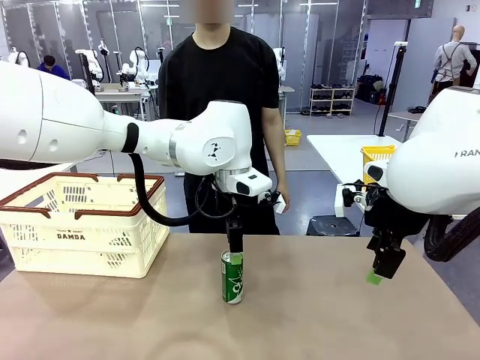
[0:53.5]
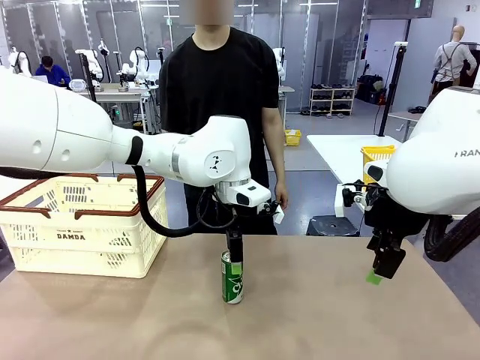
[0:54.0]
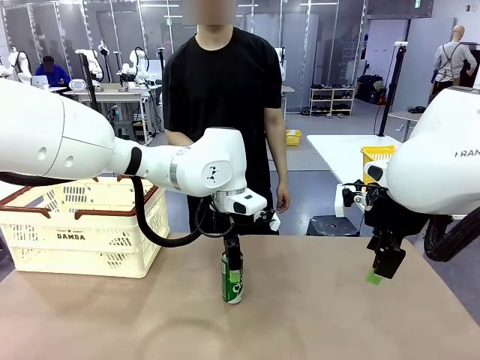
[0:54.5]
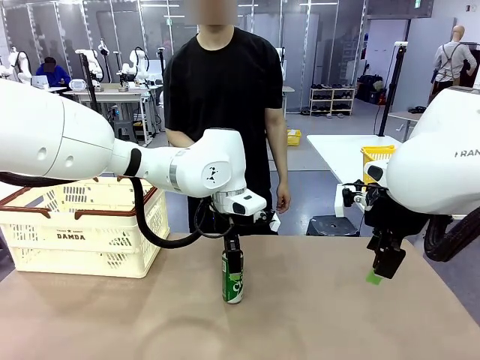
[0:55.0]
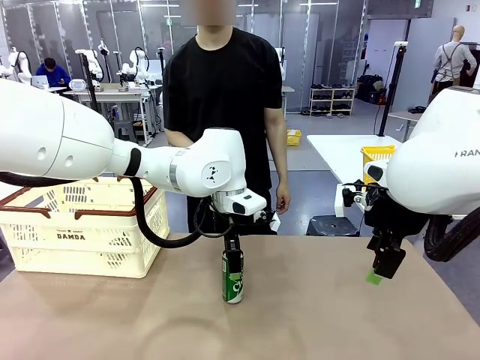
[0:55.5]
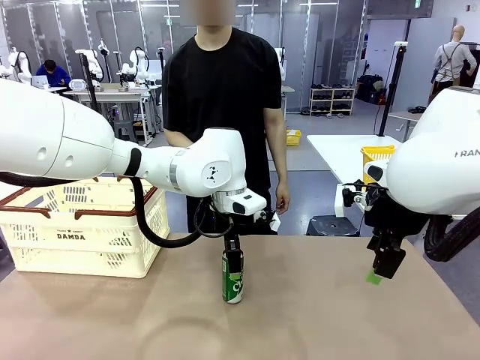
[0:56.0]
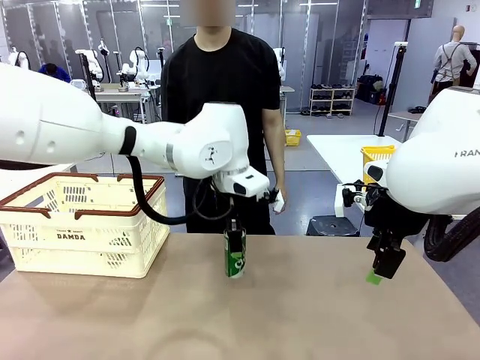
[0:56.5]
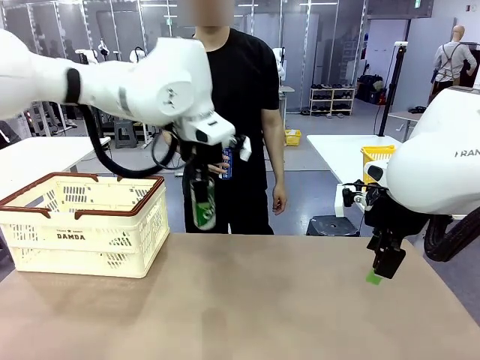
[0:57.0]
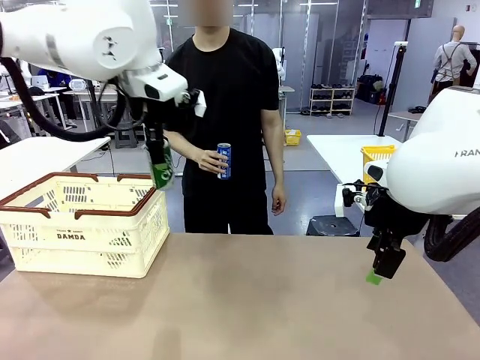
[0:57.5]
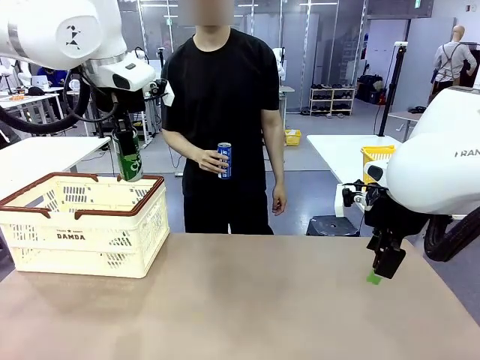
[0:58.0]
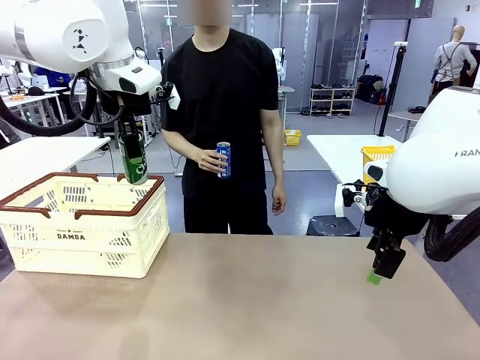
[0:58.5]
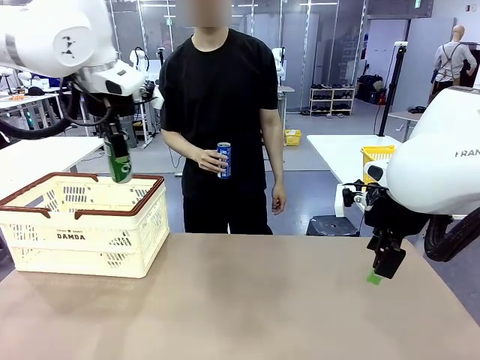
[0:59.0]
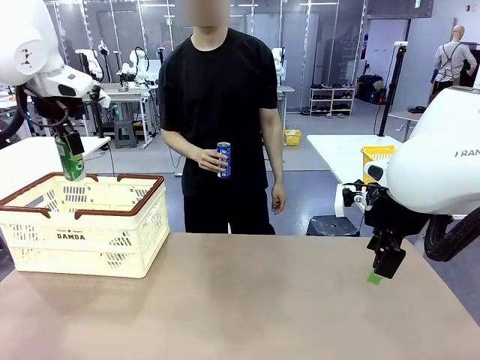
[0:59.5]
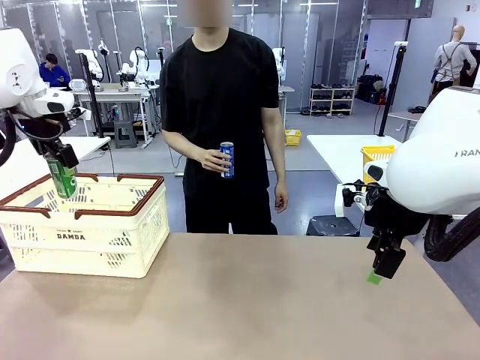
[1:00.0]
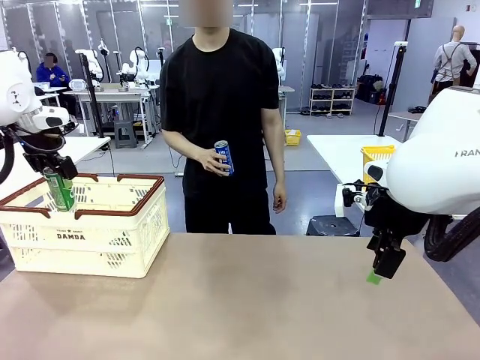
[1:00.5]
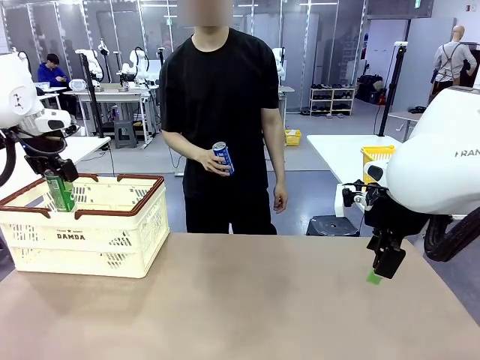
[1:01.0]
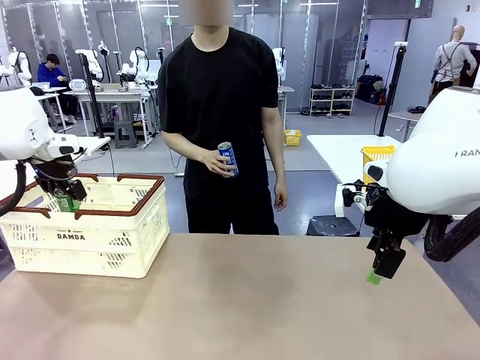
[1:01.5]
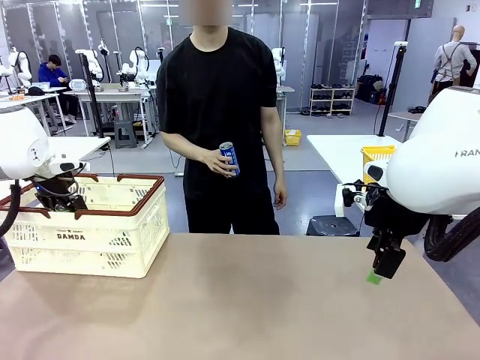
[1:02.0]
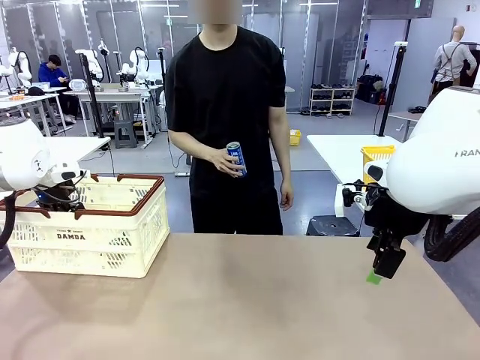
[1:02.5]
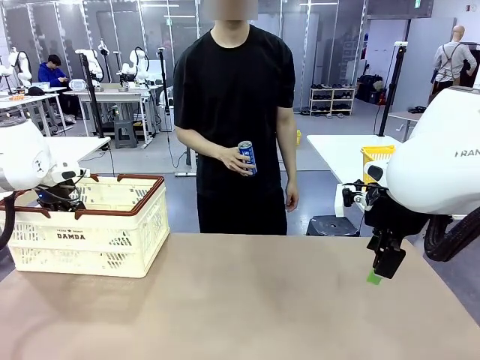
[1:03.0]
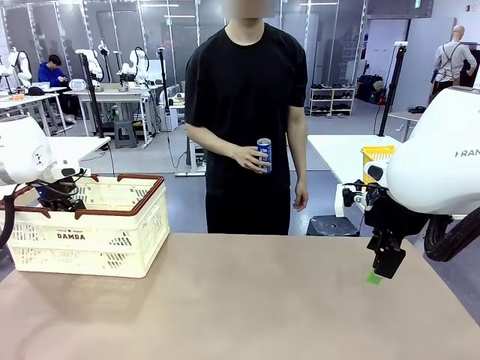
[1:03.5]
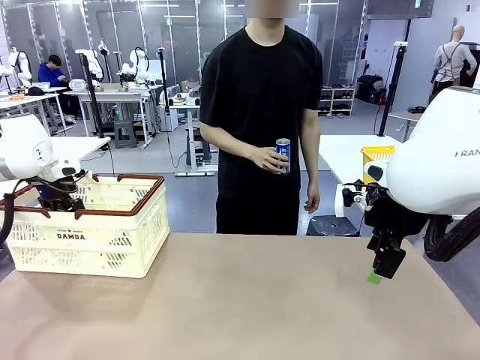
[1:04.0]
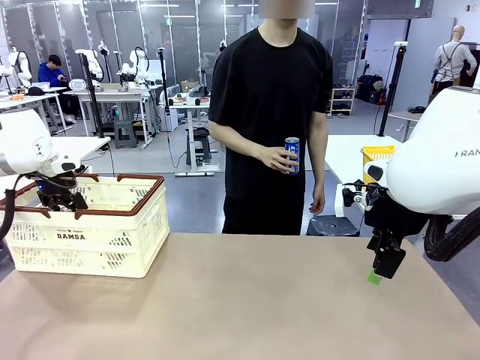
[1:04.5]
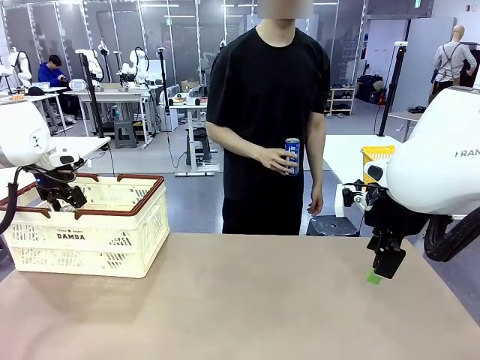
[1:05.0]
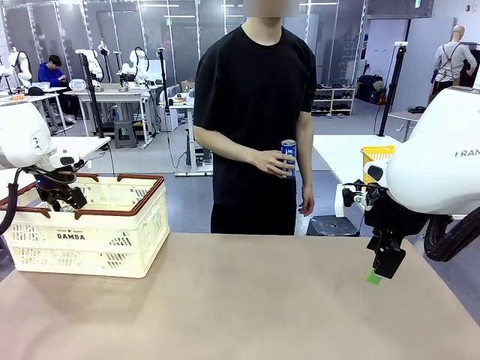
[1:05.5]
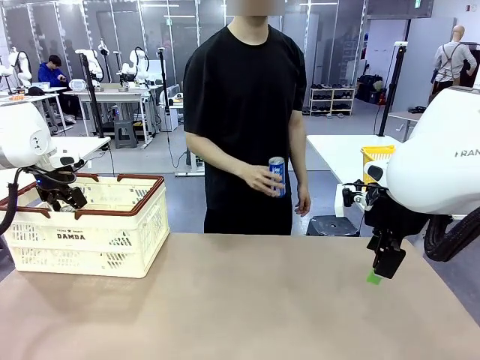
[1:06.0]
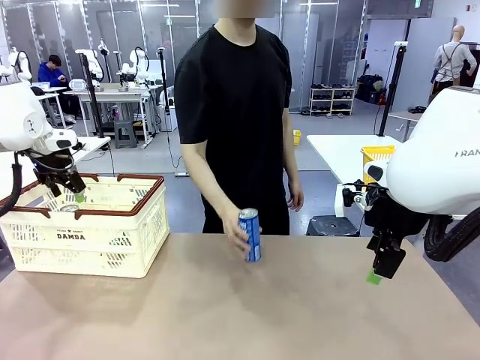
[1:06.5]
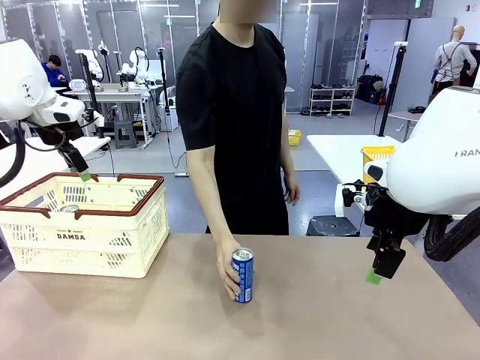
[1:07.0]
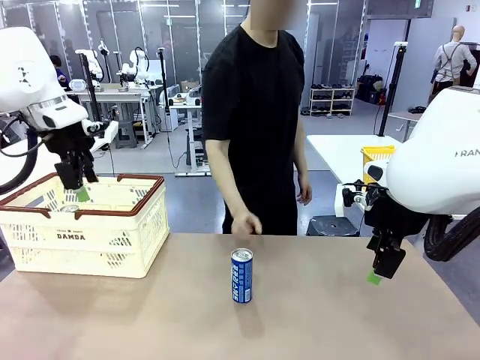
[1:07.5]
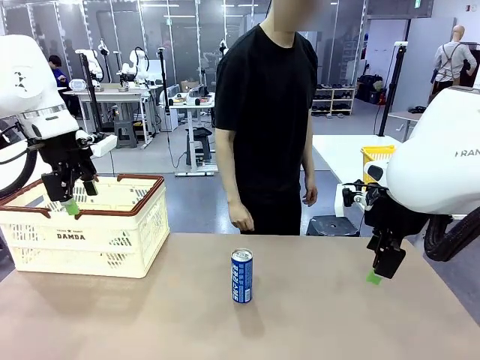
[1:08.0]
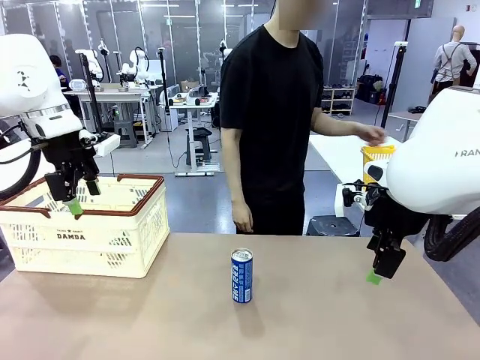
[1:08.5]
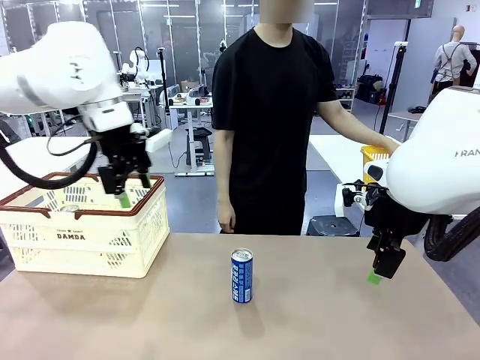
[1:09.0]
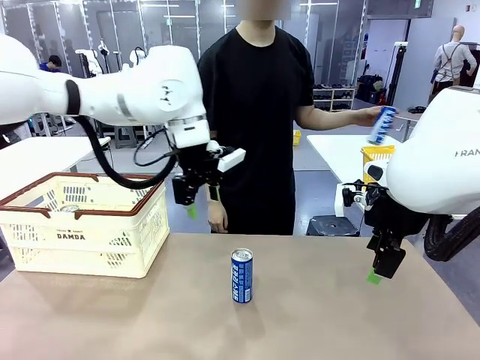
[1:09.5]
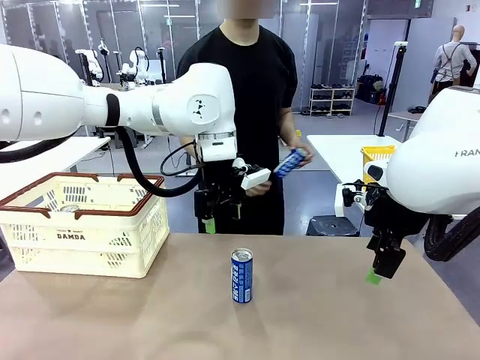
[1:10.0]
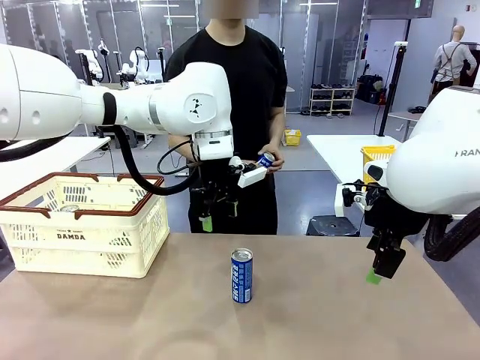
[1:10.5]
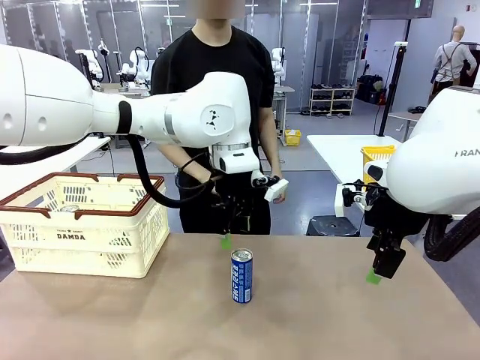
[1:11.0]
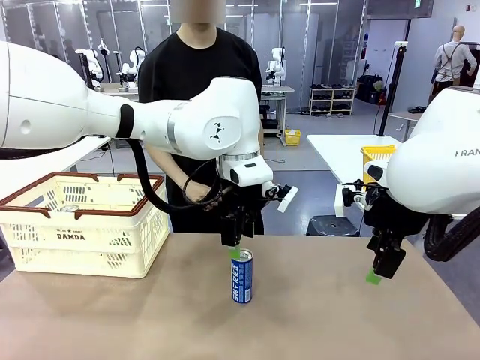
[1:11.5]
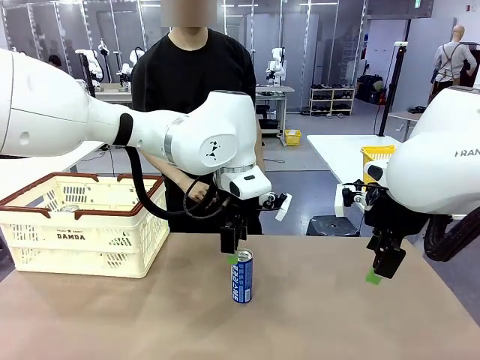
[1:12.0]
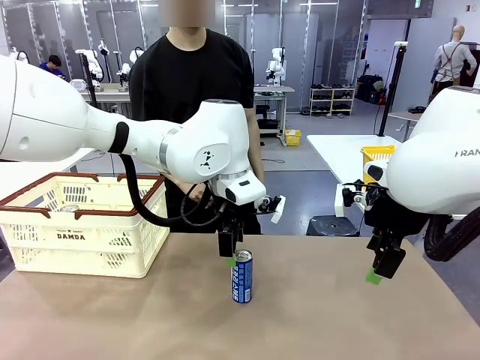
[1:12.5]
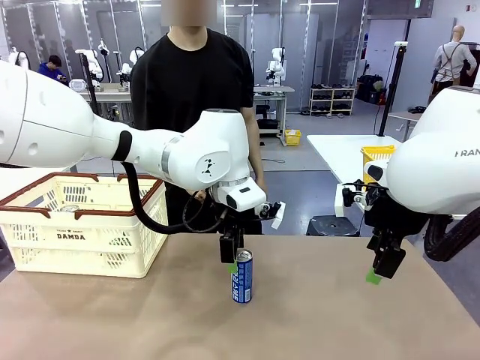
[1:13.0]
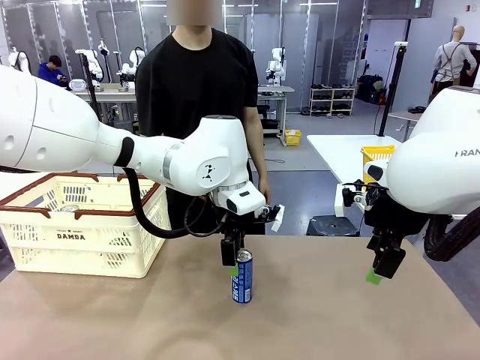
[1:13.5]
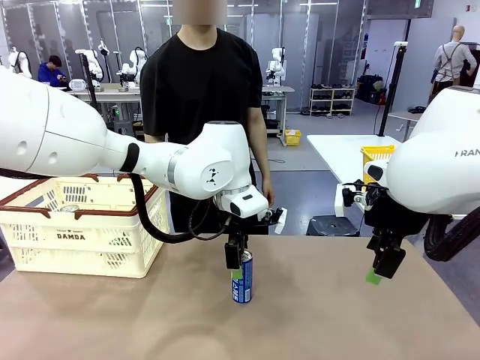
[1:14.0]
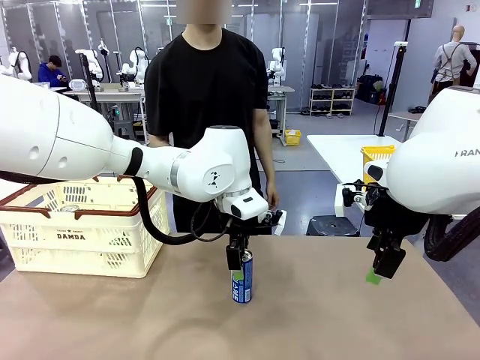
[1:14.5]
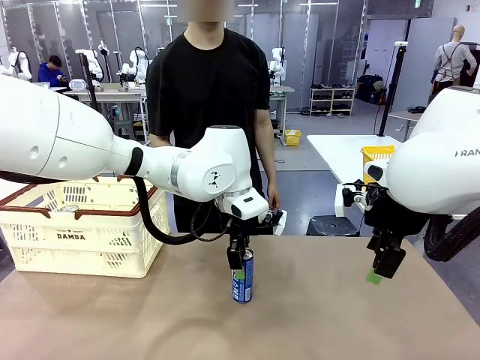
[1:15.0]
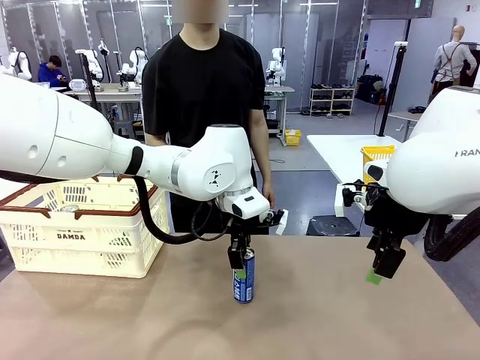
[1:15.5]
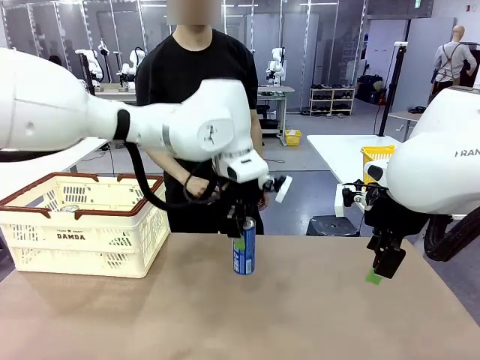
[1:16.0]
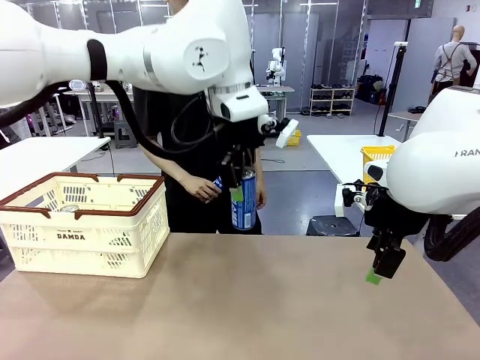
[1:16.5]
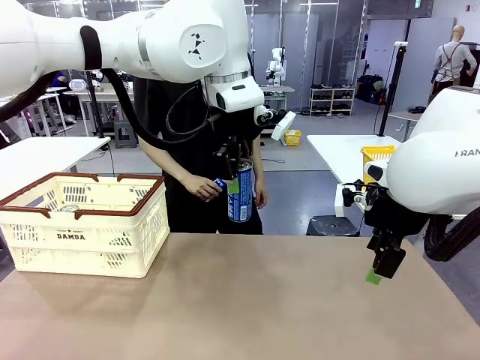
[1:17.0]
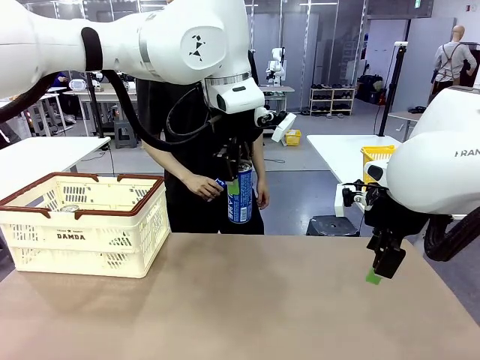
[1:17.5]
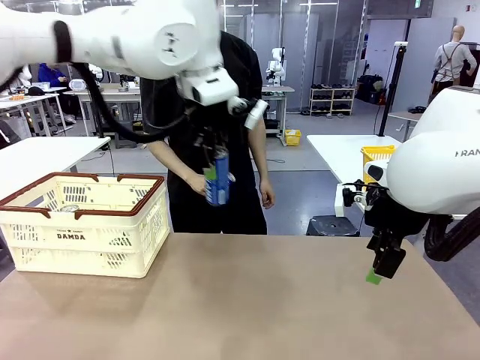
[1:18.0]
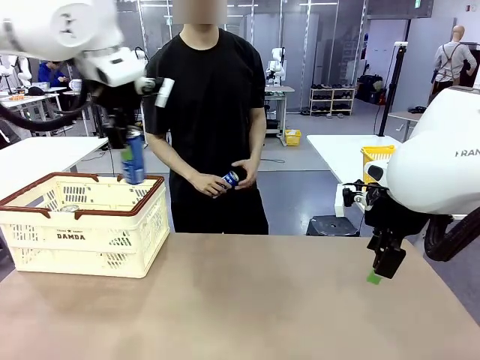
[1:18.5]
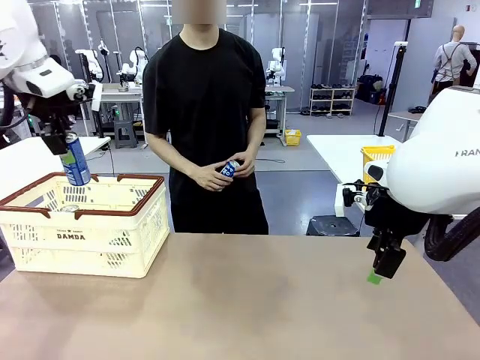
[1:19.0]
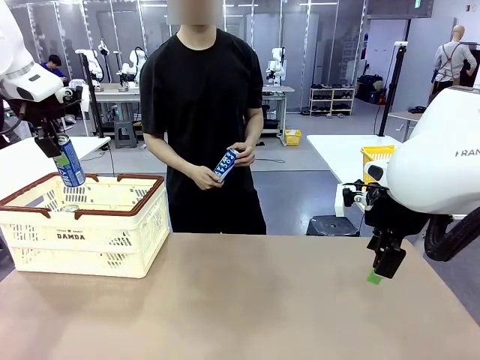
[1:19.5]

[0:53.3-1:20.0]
Task: Place the drinks into the Shopping basket.
Robot: Pick up one drink and place it into the Shopping basket.
